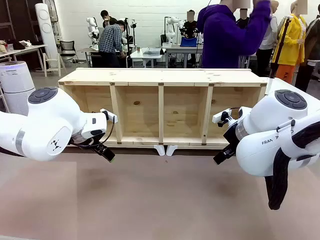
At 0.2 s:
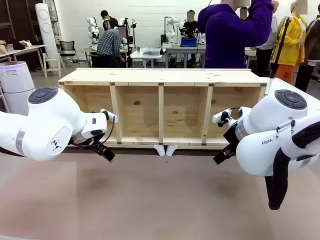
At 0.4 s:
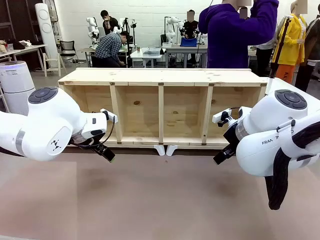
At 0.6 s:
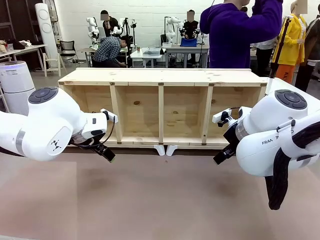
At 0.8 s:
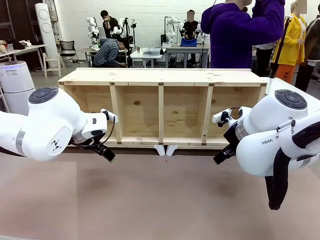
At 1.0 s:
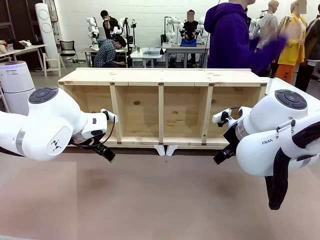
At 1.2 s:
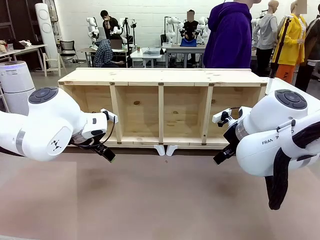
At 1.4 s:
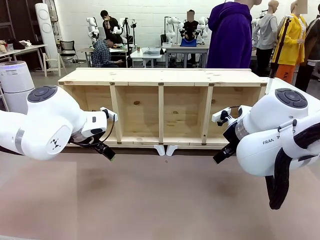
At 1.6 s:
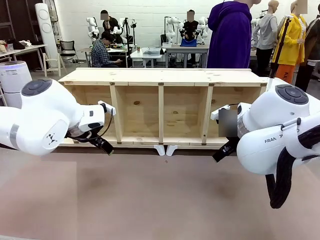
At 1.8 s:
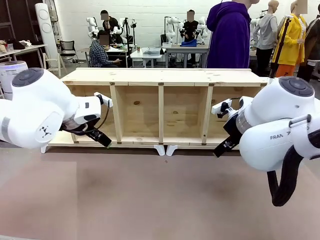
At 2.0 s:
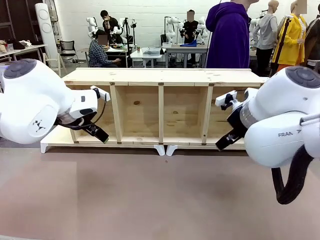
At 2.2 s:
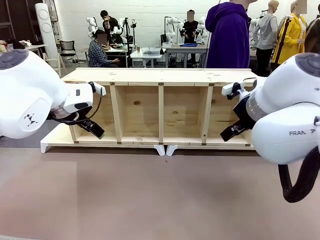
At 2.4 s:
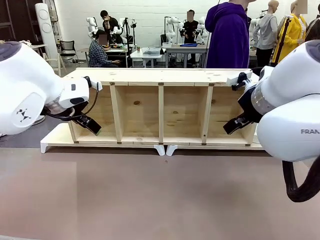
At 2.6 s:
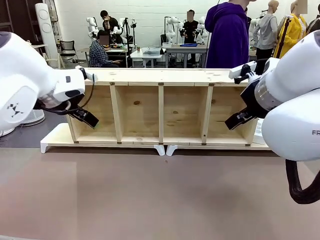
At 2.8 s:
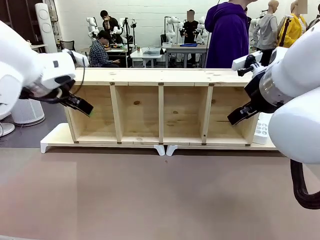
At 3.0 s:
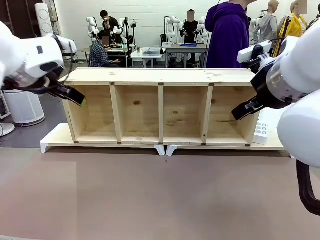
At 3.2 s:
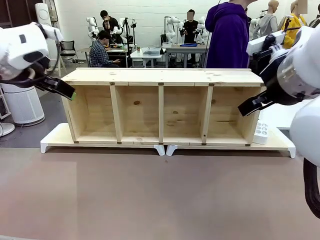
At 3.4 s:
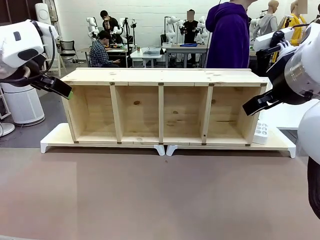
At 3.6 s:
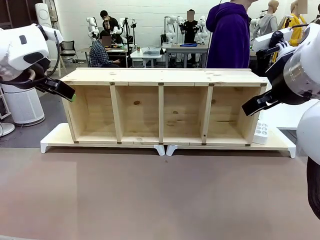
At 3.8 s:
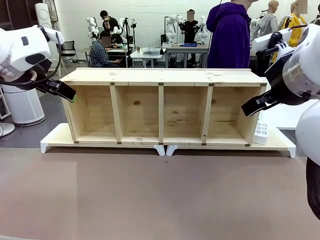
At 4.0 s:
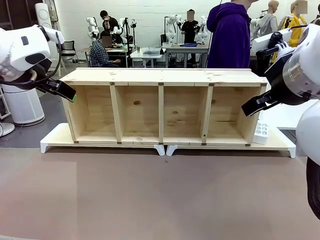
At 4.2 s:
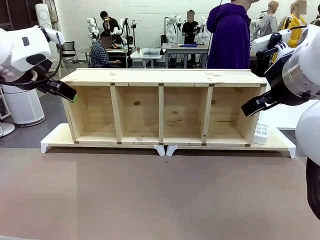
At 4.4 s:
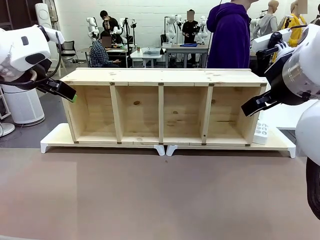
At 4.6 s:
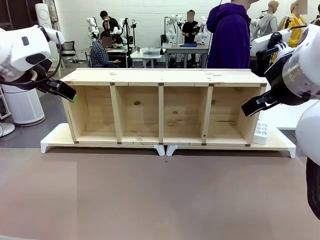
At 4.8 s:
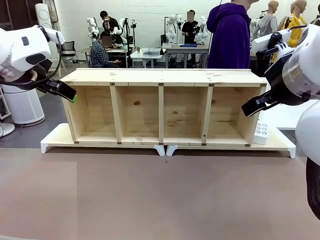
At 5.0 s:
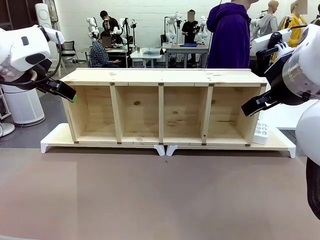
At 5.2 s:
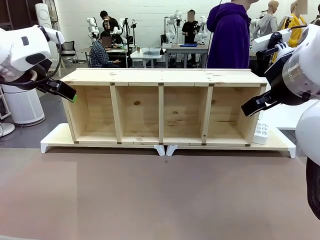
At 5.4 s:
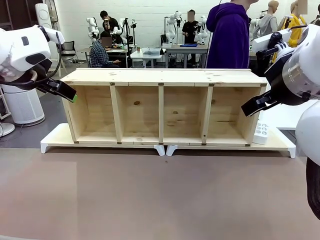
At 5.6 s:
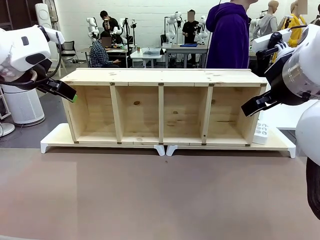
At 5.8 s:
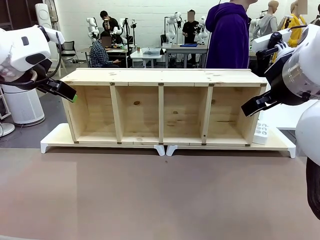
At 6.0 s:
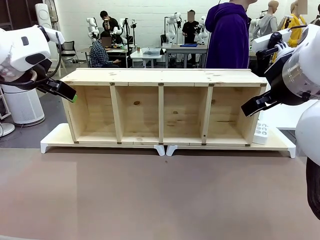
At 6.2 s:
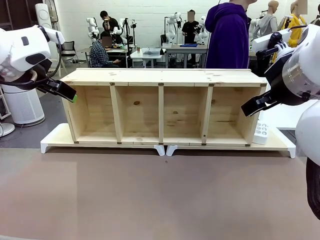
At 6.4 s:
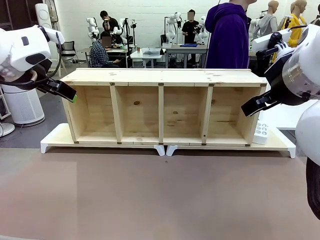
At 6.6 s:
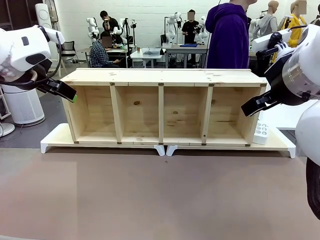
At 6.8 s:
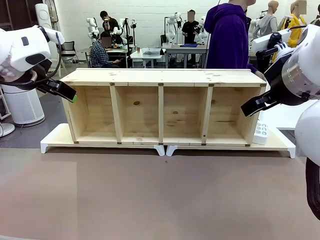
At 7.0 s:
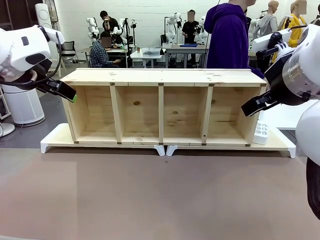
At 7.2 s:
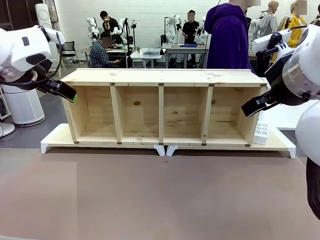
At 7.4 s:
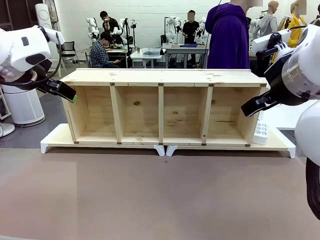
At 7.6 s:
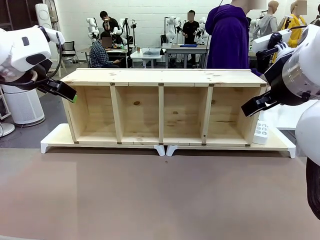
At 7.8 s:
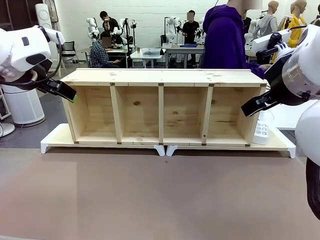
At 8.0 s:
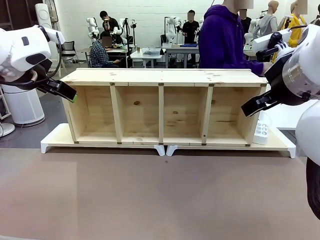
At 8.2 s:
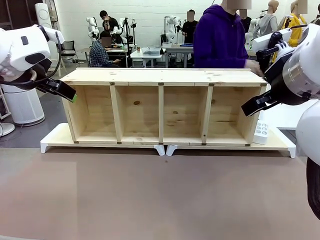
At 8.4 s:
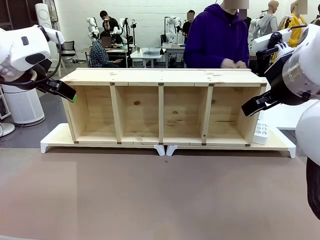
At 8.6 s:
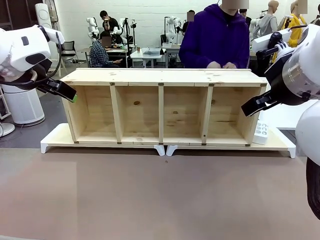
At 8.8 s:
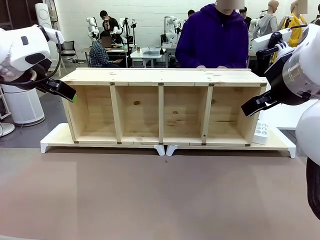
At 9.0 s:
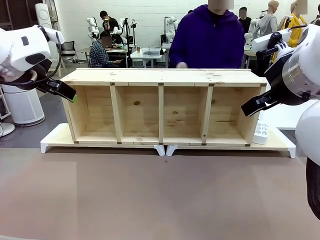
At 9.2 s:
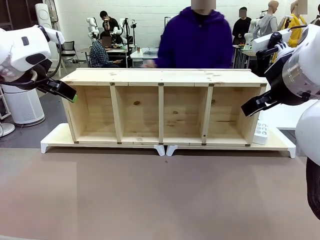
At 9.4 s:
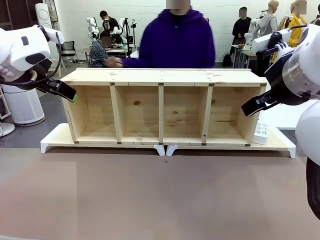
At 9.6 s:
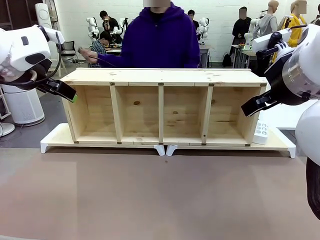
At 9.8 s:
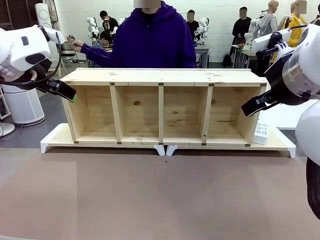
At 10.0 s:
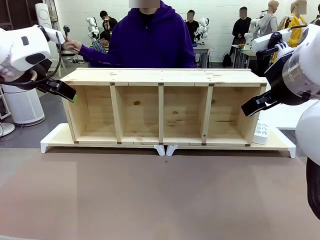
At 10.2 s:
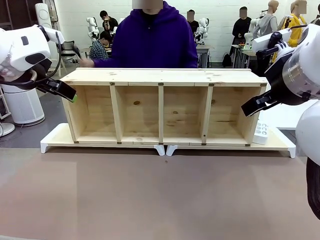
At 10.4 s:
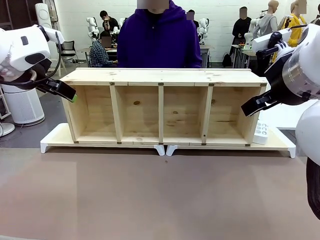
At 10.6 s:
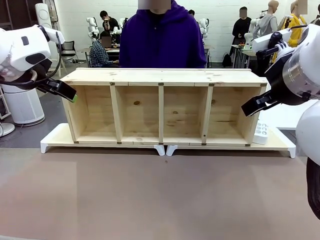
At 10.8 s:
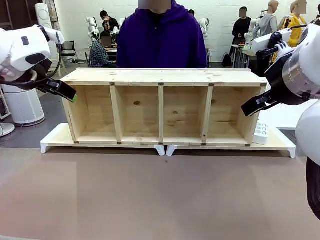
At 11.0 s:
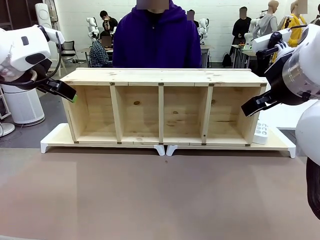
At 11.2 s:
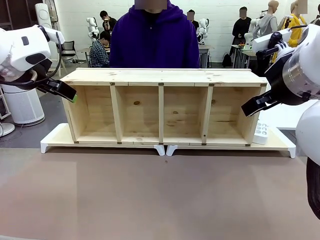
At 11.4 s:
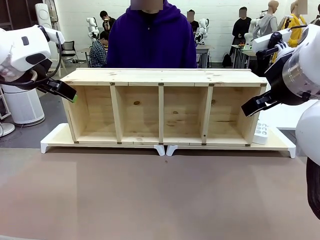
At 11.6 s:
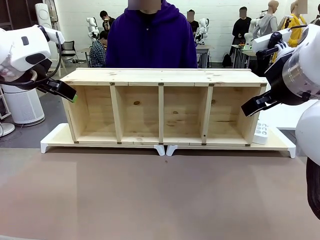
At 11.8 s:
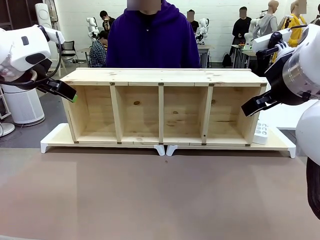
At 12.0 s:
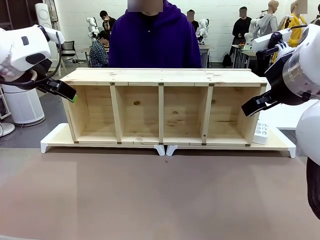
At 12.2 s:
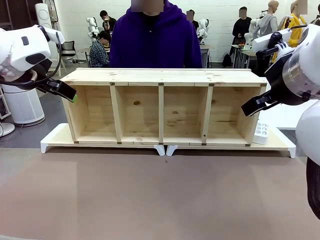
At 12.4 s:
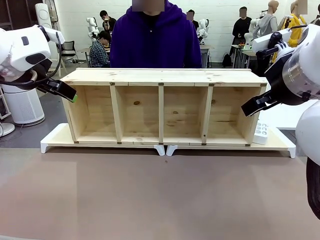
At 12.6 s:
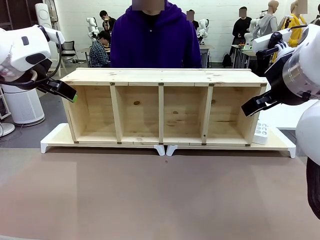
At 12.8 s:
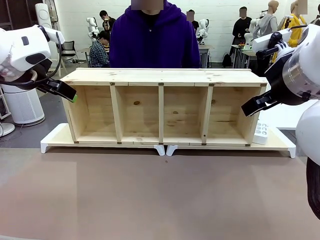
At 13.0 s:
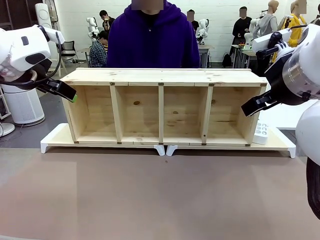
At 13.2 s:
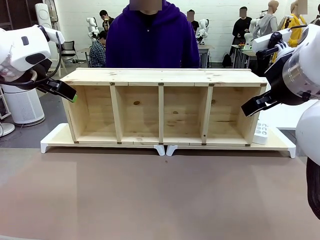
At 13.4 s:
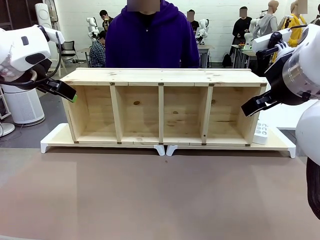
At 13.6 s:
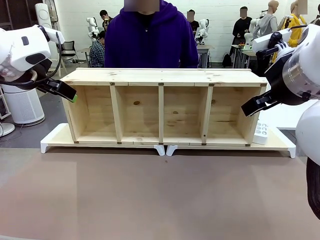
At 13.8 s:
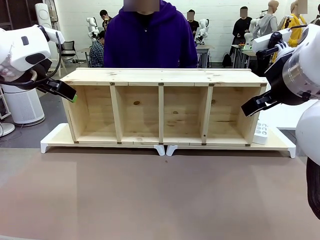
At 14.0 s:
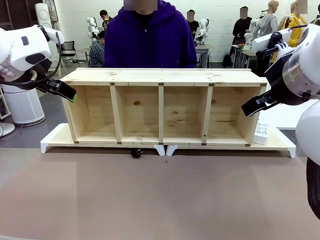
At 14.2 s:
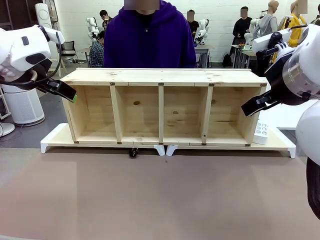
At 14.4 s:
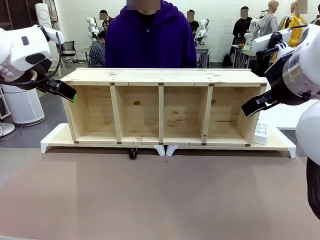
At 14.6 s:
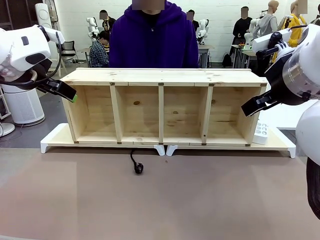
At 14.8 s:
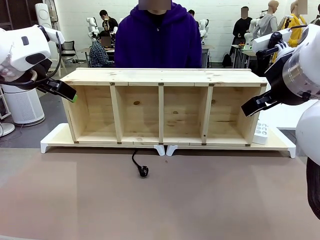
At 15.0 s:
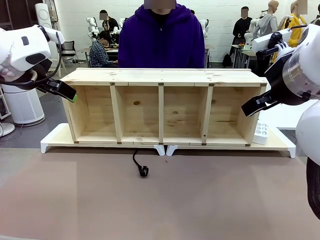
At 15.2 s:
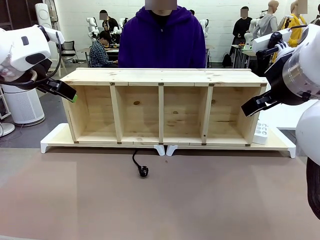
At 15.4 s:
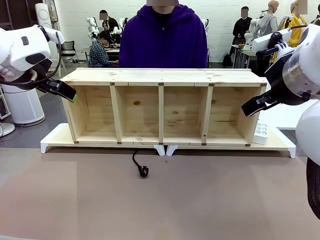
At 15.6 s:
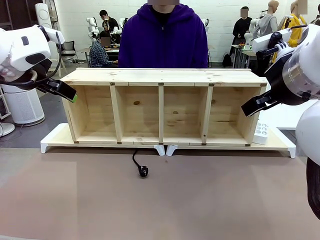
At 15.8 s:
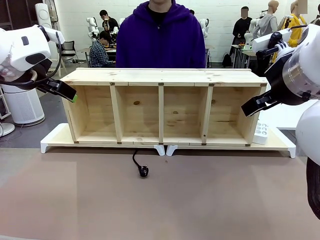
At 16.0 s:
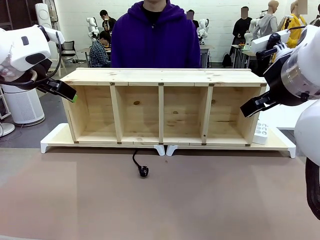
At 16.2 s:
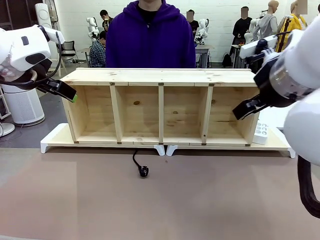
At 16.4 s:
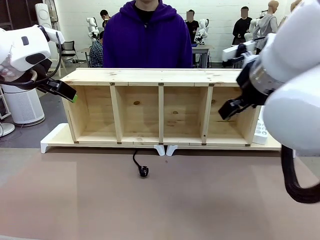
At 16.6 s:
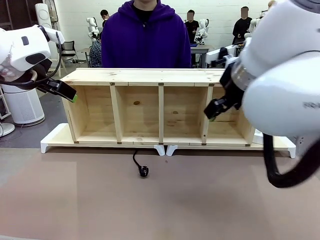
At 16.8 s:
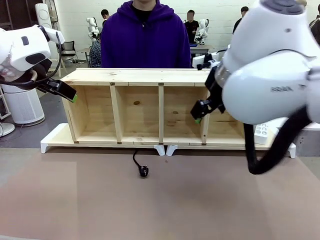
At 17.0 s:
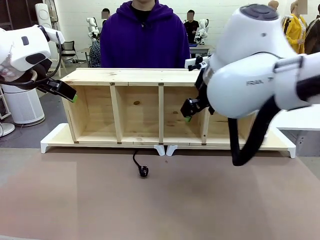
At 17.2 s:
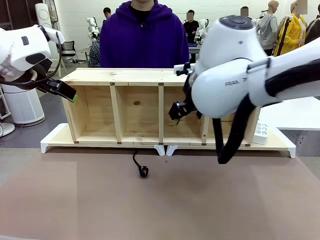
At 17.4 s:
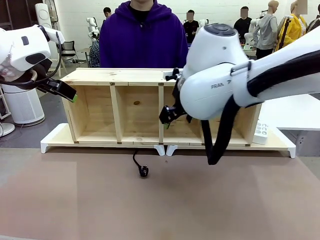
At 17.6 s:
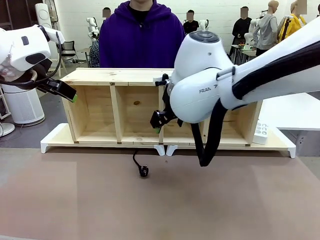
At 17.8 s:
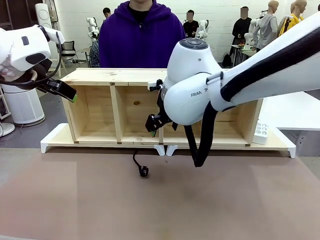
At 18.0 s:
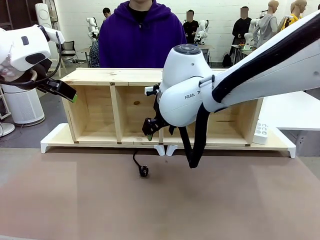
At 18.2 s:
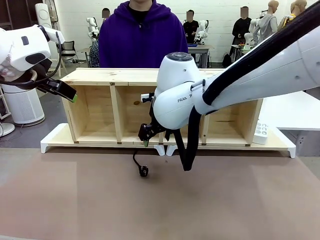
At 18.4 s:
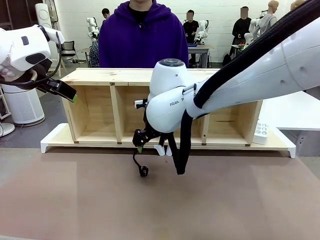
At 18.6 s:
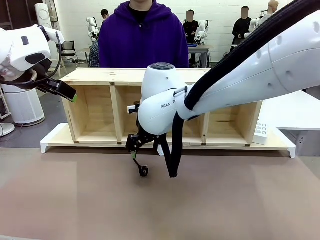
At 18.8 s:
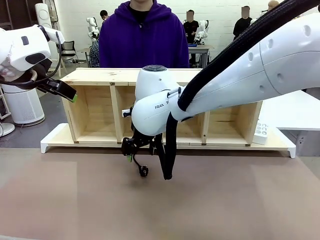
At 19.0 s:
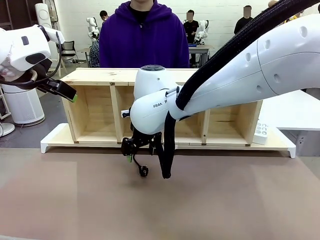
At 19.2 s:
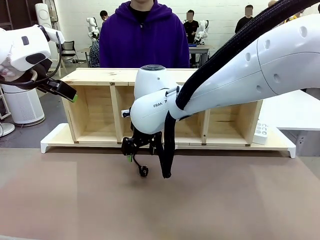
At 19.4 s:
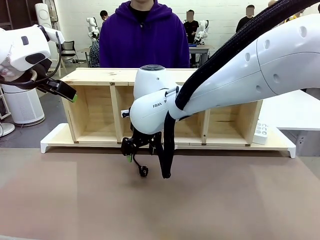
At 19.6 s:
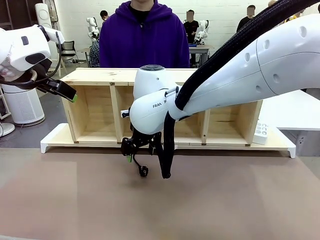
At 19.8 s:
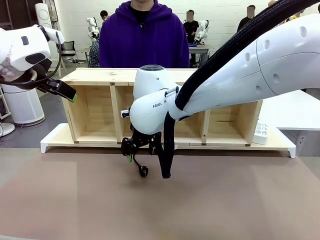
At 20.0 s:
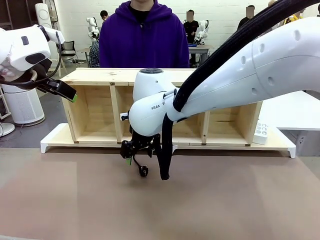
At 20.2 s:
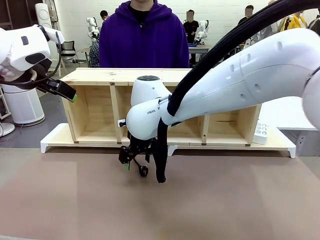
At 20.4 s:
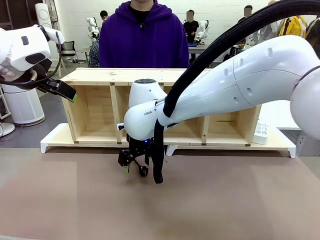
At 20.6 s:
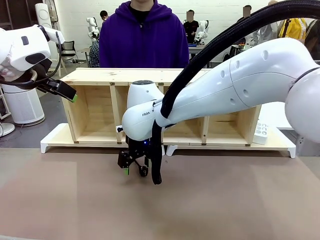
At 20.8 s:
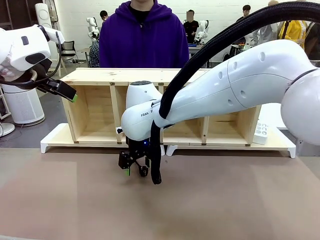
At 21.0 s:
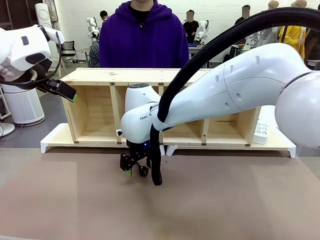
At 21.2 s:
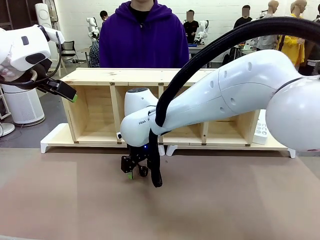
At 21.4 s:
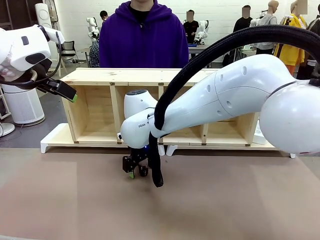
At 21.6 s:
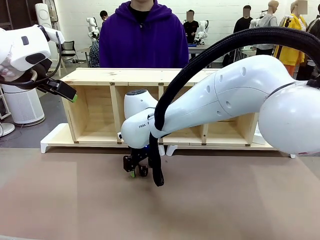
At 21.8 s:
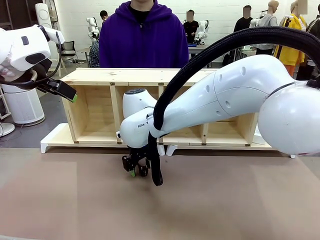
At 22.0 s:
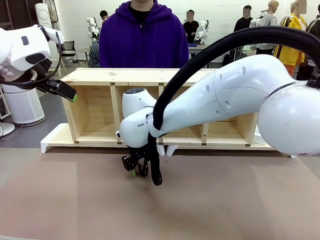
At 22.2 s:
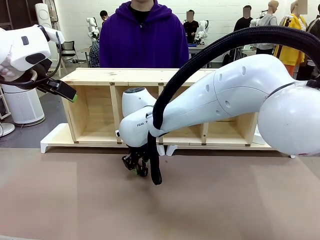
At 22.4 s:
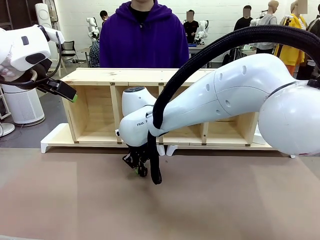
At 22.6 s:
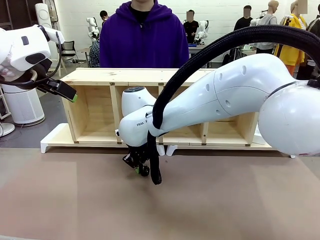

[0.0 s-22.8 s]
Task: Perform cable management.
Robot: When the cord part of the Power Cable appears at the lower middle area of the table and stops, grasp the cord part of the Power Cable.
Person: Pass the Power Cable under the Serving Table.
